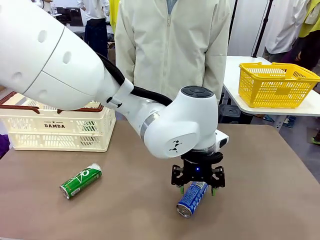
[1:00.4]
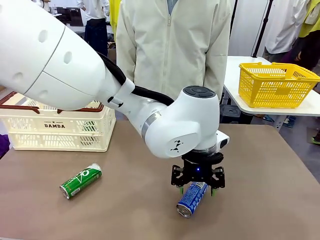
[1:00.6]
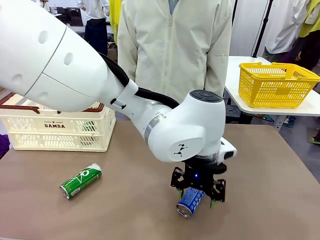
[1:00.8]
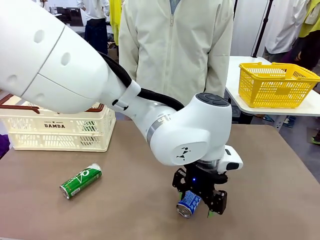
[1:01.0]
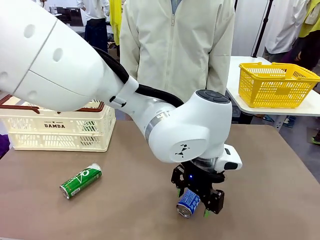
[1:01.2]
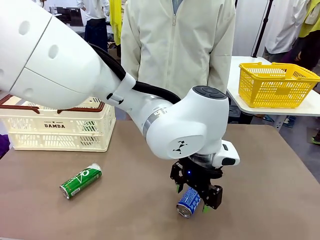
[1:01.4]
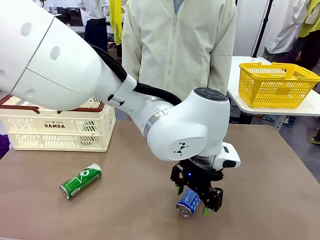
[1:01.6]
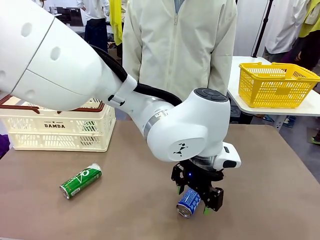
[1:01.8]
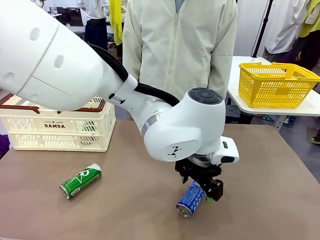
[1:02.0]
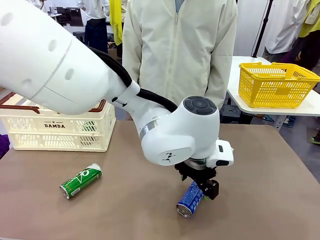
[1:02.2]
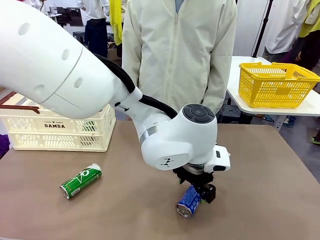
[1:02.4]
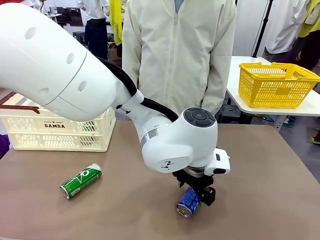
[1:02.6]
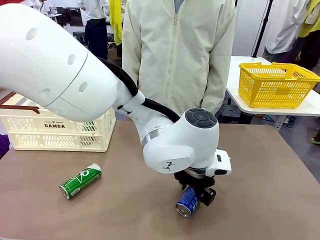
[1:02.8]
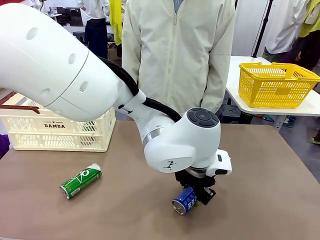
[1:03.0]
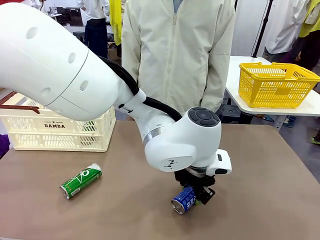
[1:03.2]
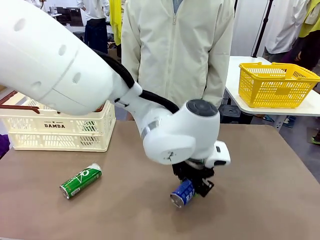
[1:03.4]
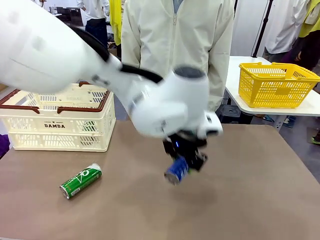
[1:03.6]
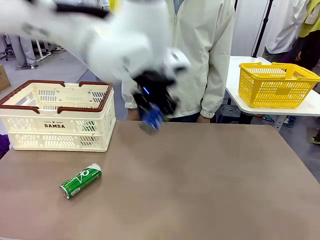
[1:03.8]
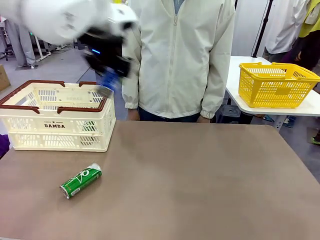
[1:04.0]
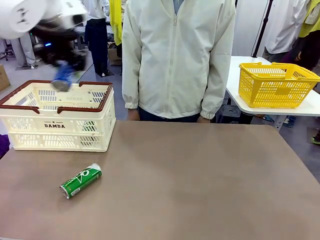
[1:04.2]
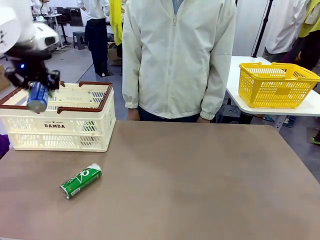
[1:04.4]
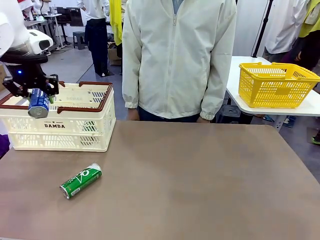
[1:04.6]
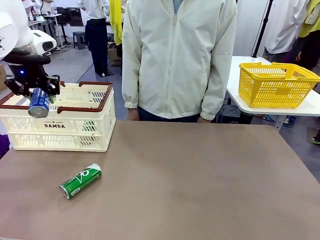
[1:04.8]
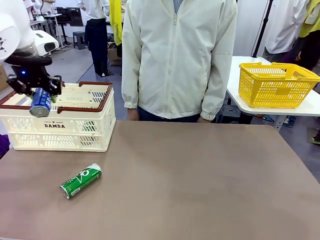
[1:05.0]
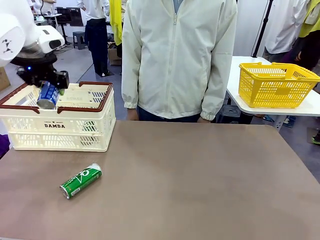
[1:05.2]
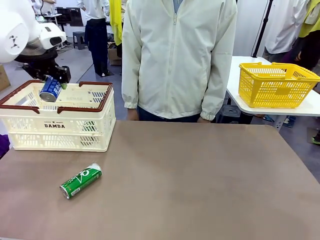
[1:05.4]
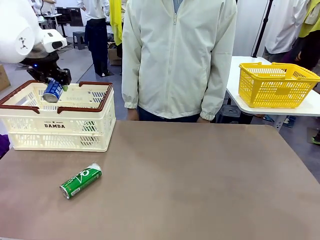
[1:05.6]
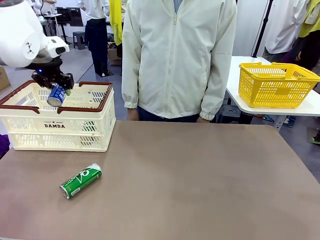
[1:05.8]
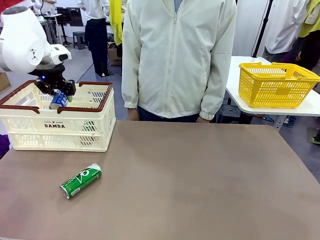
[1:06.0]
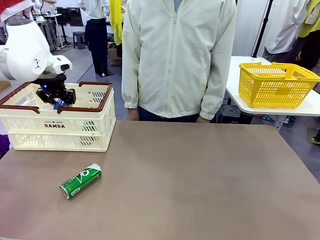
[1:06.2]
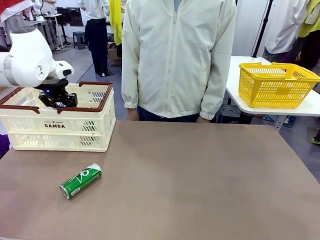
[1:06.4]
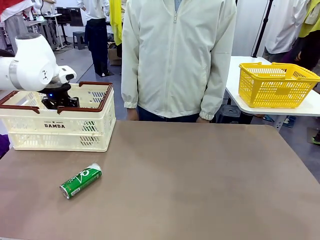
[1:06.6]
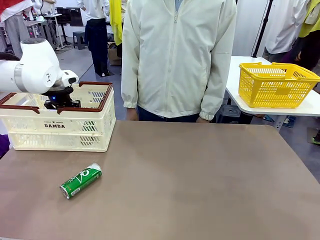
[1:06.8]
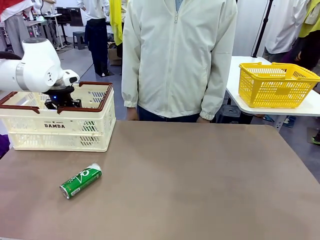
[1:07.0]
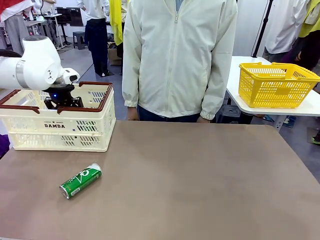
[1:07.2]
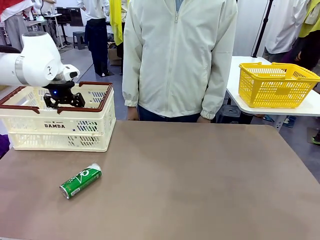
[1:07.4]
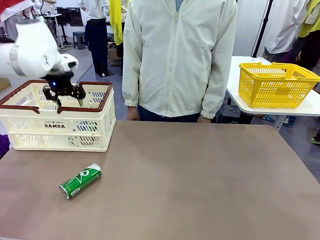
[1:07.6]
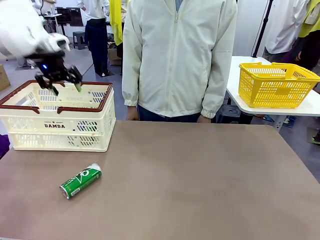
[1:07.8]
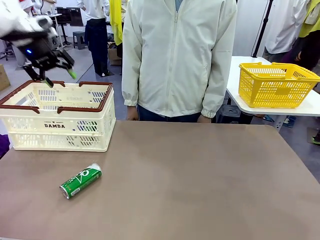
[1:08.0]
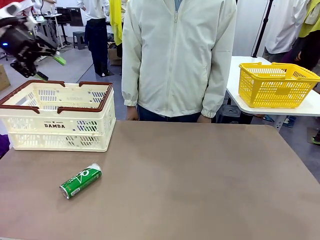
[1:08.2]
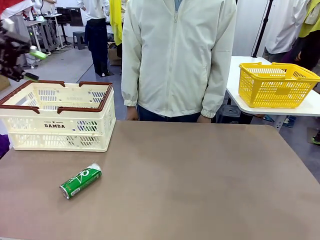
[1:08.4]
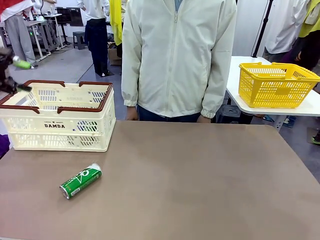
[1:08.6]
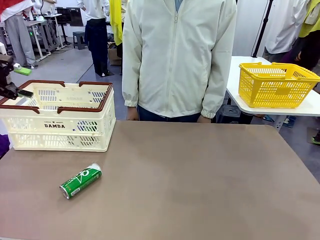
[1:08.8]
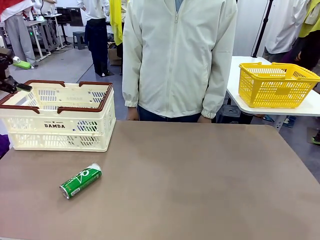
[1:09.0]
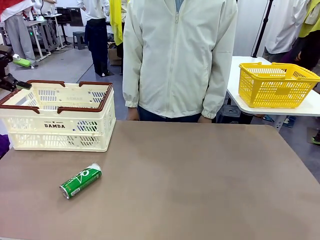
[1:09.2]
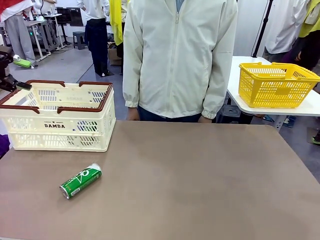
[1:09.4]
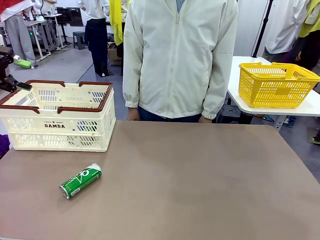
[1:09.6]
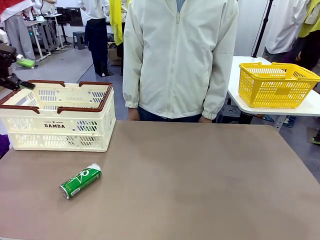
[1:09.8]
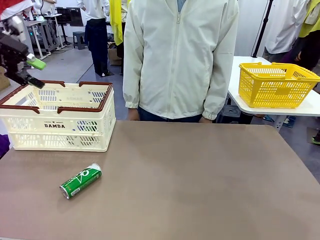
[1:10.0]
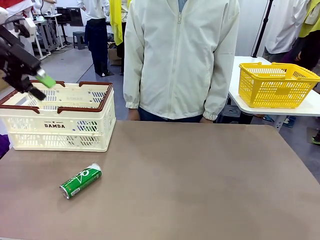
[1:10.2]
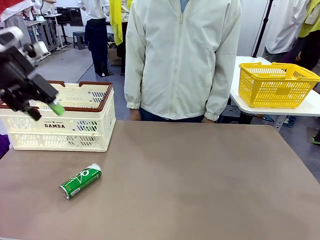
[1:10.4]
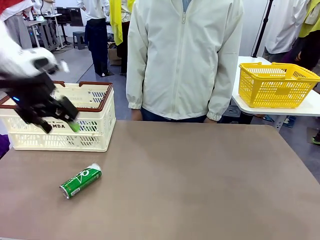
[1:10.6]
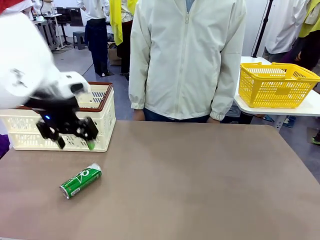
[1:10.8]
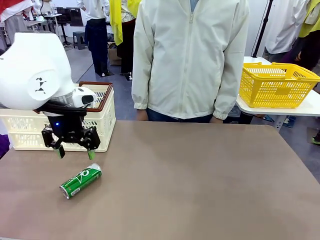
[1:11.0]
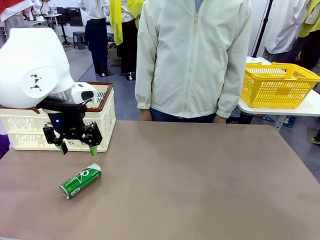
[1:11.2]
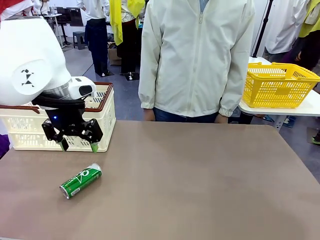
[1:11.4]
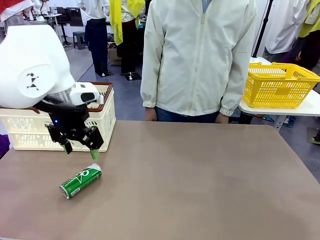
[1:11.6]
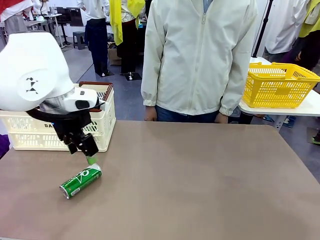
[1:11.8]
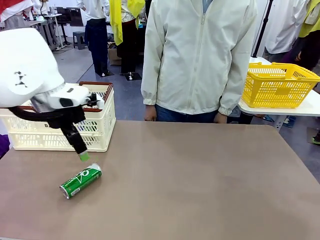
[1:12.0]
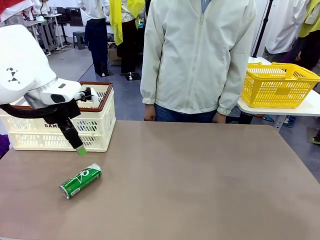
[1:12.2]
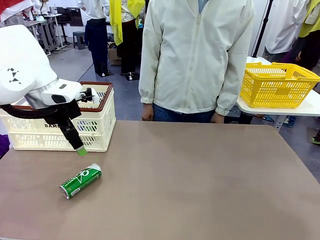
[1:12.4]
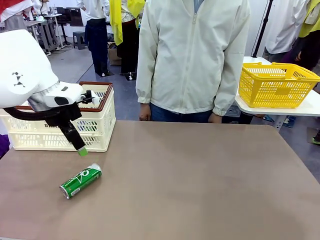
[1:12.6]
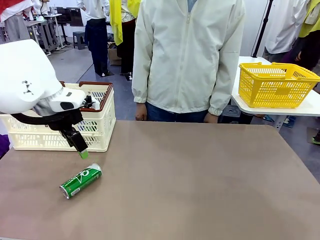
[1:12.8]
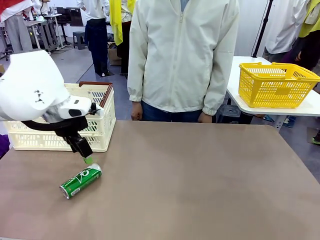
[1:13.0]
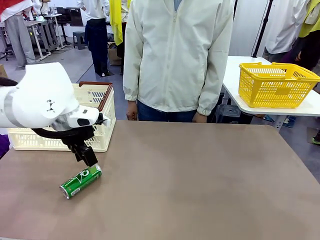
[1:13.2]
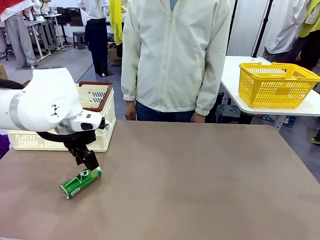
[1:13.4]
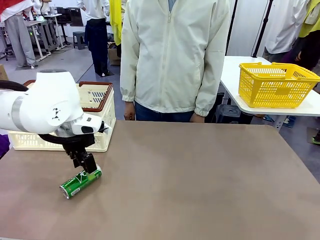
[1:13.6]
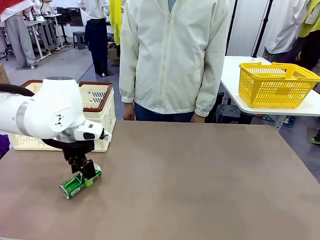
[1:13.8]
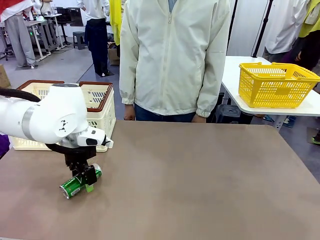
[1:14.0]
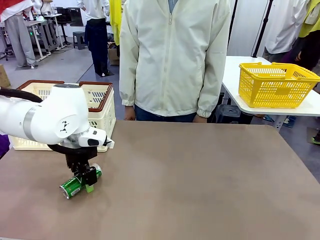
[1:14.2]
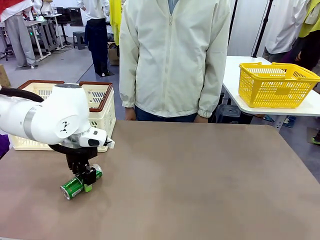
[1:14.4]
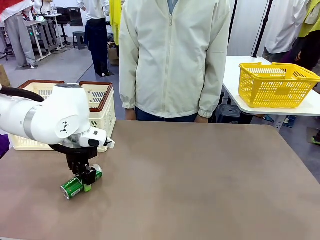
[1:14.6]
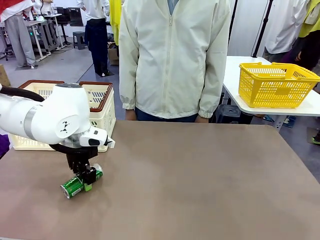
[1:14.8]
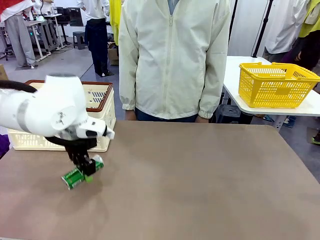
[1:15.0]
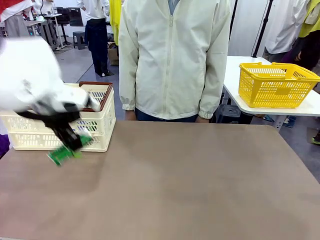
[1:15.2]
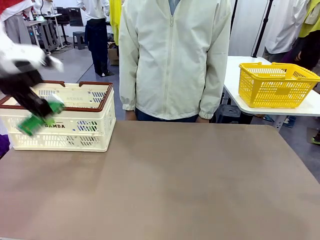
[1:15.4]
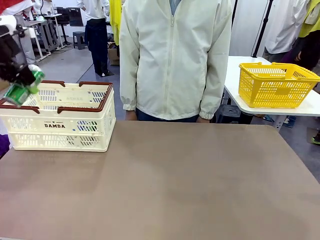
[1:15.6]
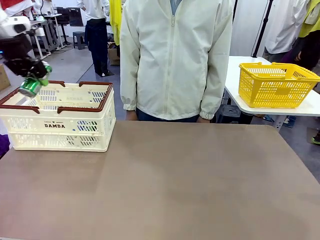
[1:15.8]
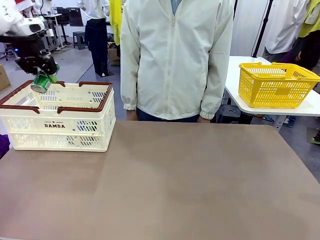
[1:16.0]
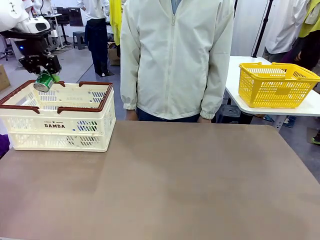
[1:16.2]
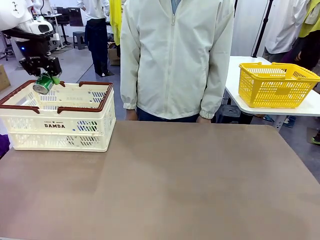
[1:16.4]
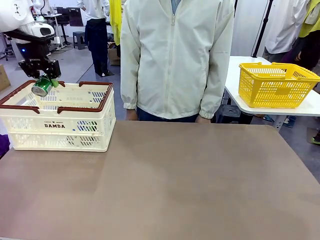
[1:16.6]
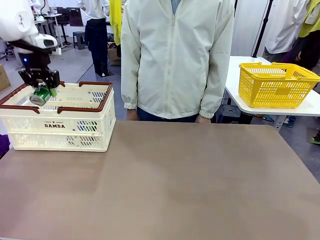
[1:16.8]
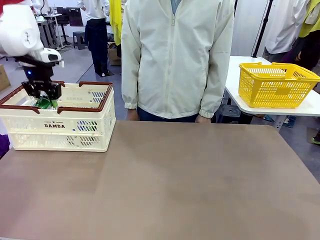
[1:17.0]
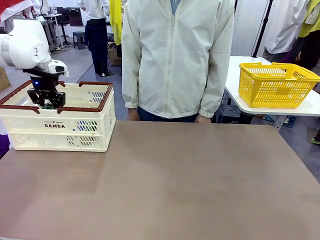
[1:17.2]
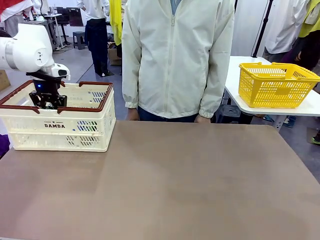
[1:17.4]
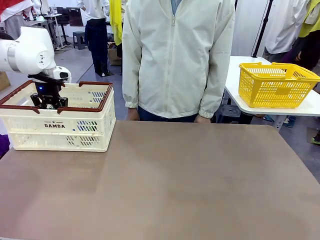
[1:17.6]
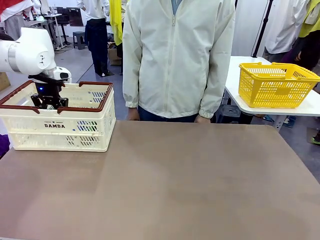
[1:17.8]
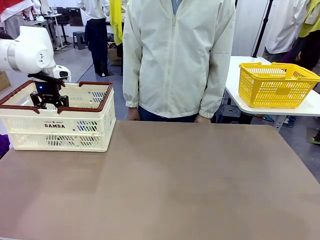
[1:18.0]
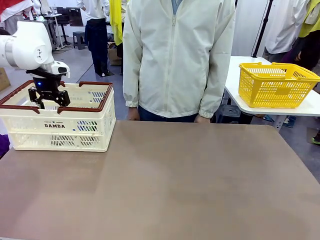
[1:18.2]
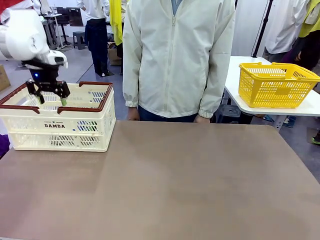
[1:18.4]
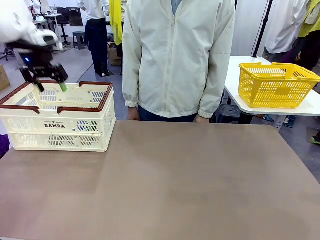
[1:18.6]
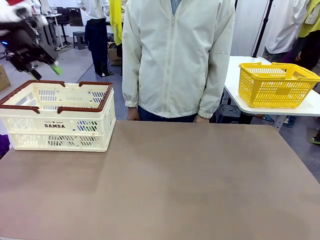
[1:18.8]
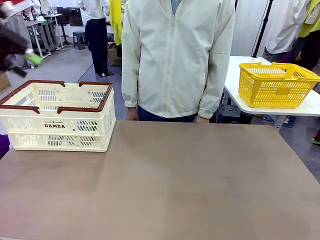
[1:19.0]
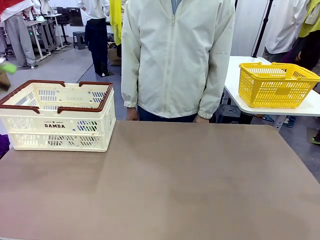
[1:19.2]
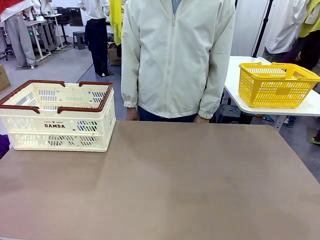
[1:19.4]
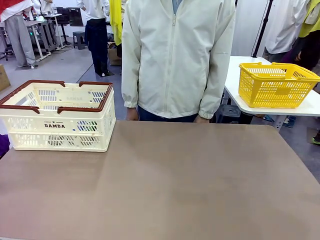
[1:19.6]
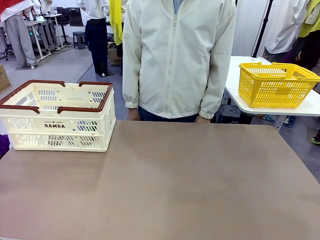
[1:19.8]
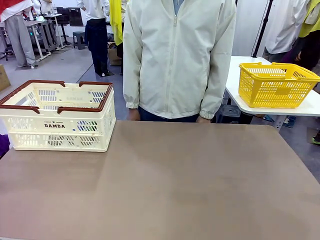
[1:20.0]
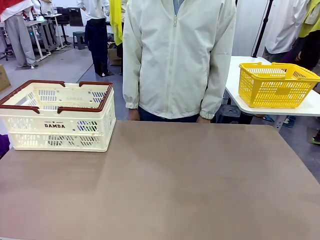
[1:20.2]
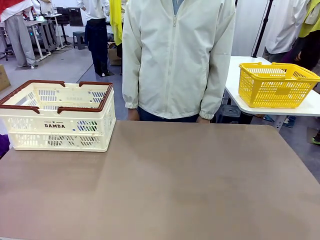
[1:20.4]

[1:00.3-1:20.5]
Task: Place the drinks into the Shopping basket.
Robot: Pick up one drink and place it into the Shopping basket.
